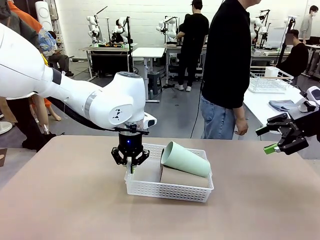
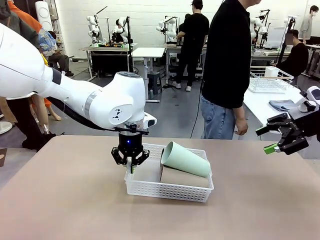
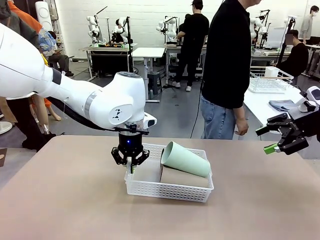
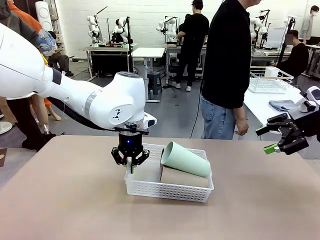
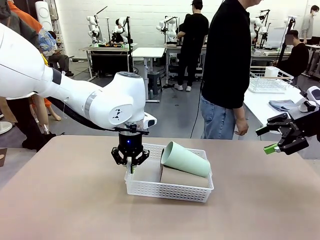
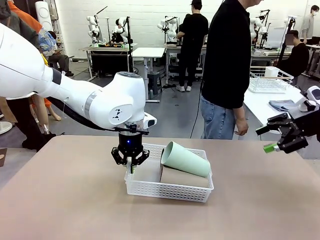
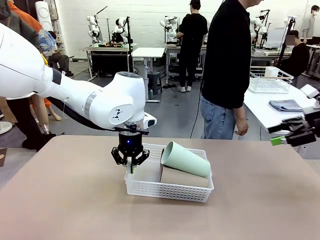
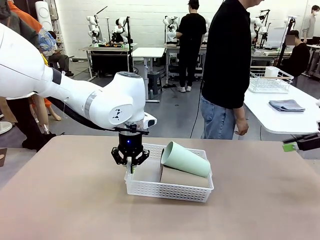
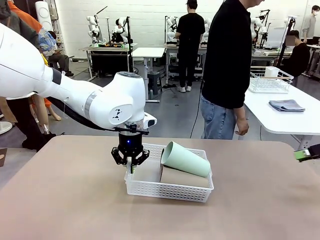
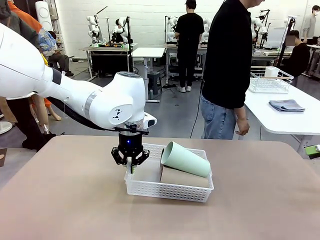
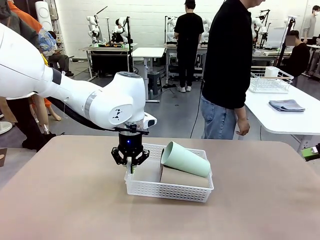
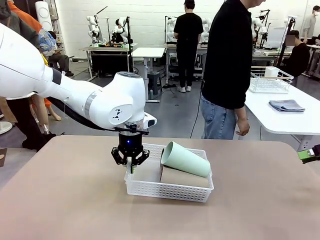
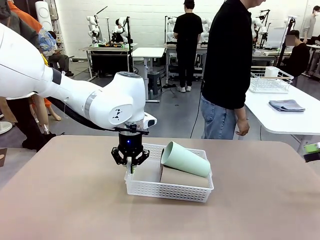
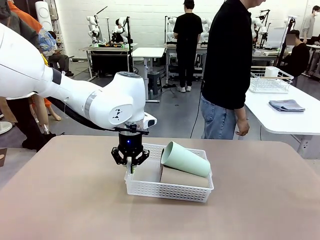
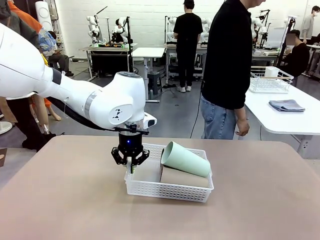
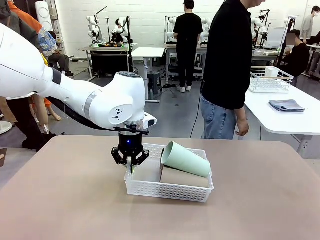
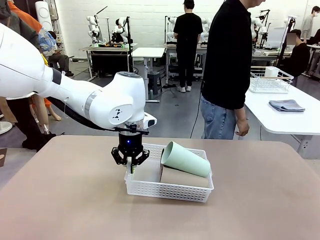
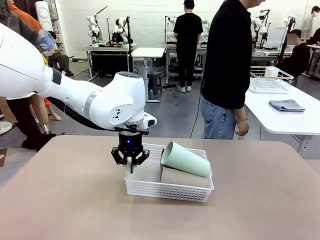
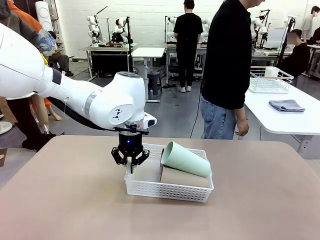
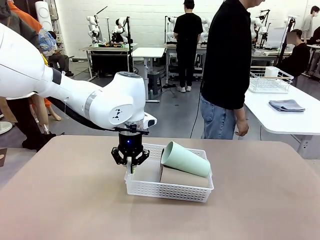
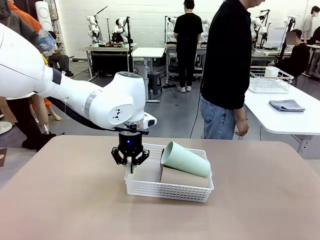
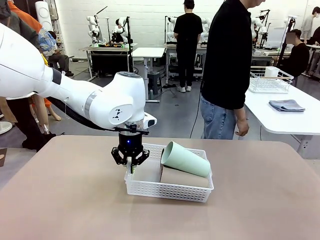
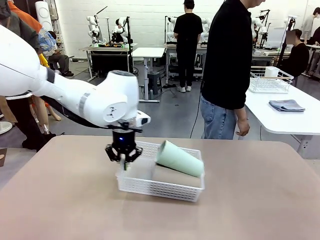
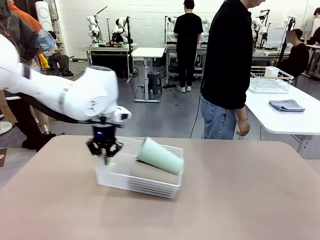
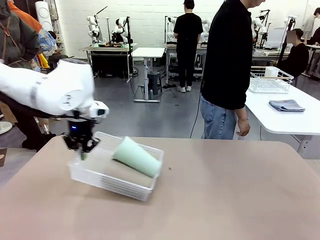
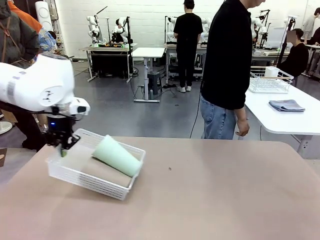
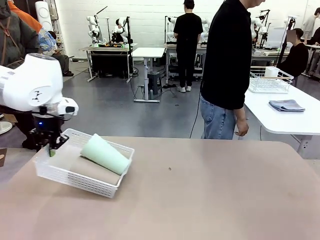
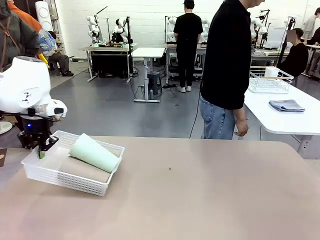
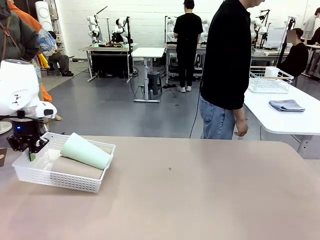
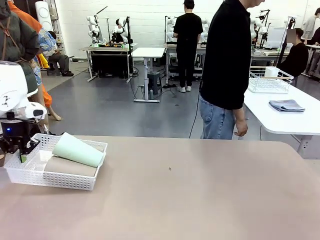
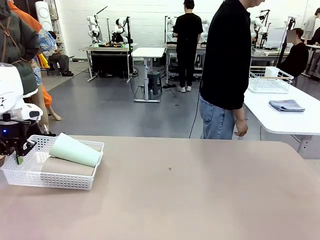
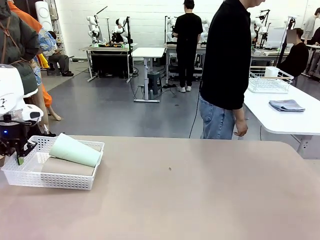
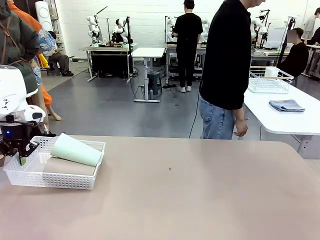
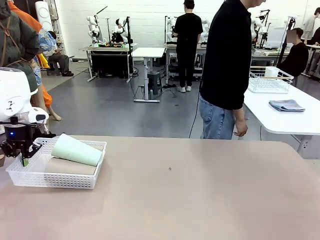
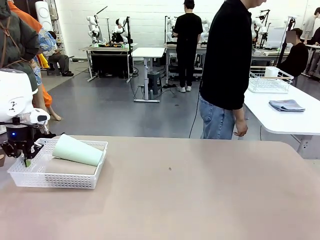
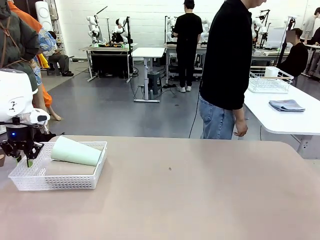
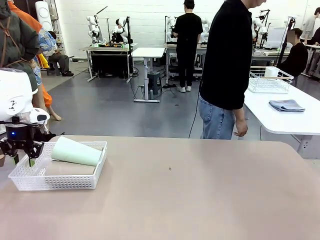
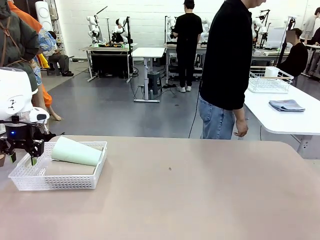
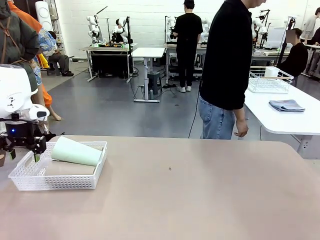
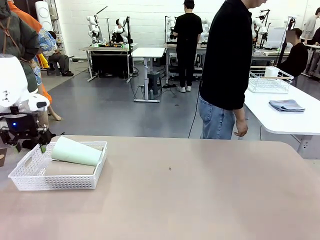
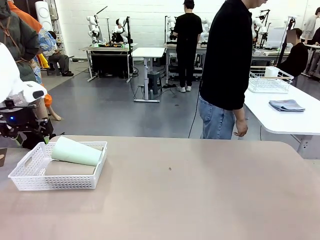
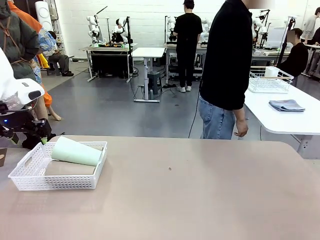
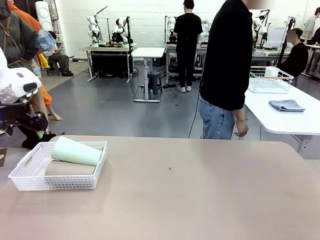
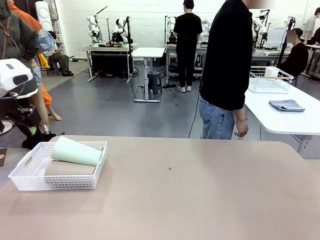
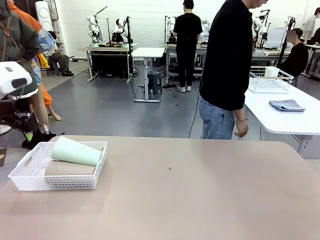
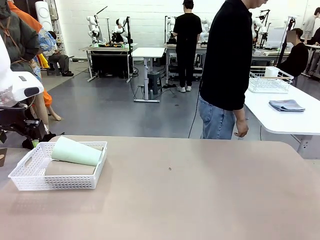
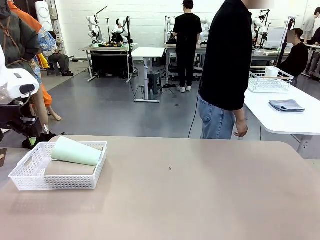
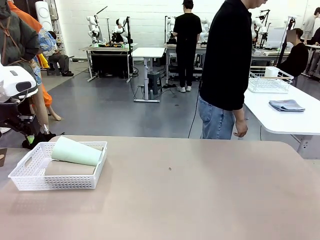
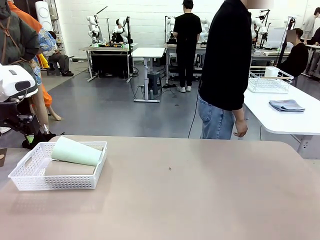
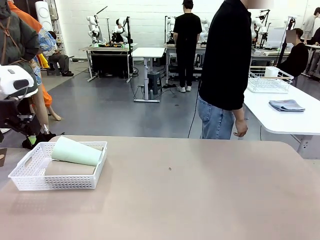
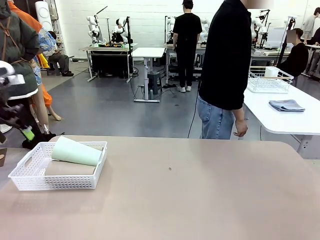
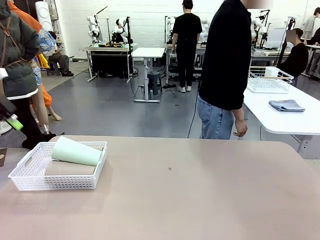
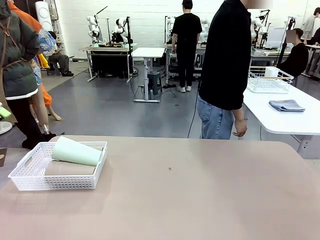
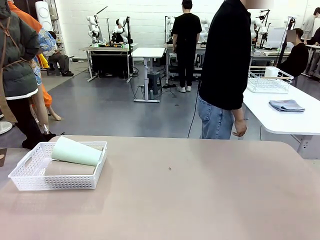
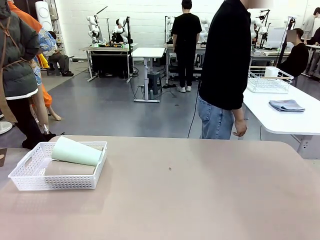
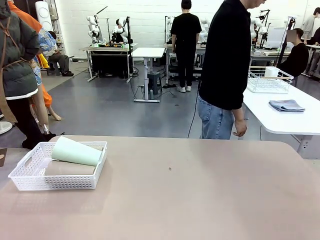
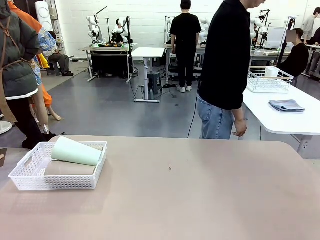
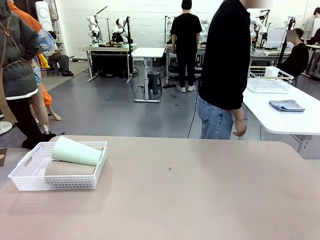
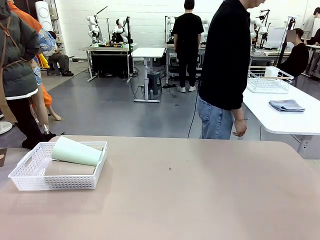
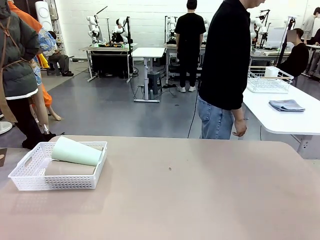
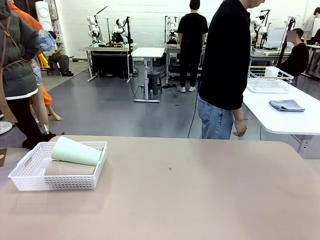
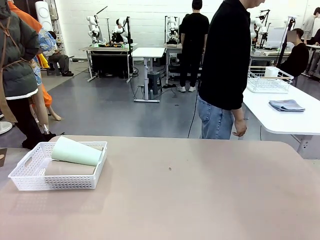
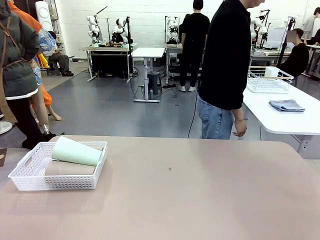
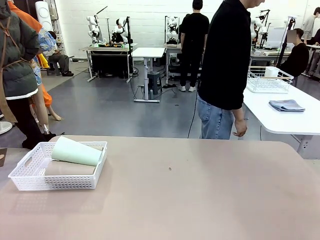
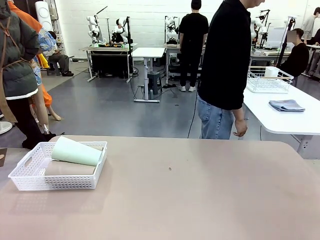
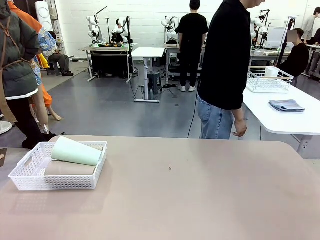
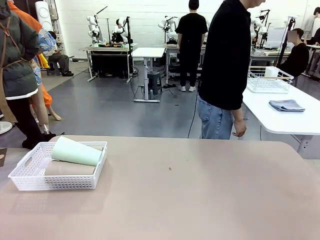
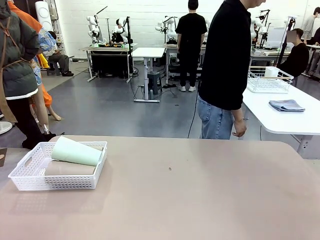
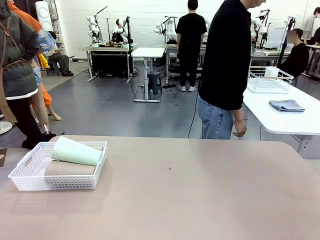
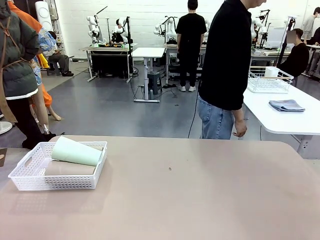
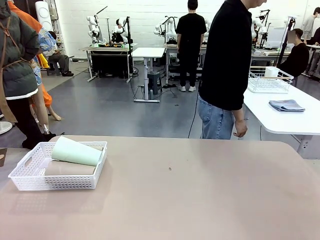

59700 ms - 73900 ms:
Task: Clean and organize the cups into the basket.
Robot: Move the Organizing basket back to the left side of the table.
Person: Folds the towel in half twice and places it in the right of the table.
